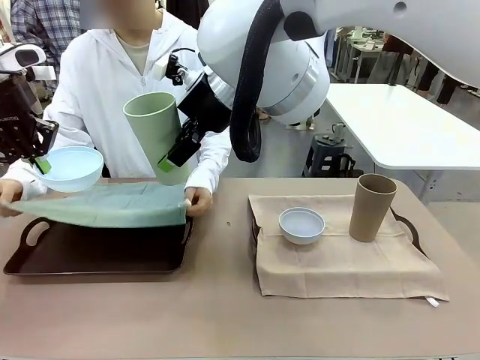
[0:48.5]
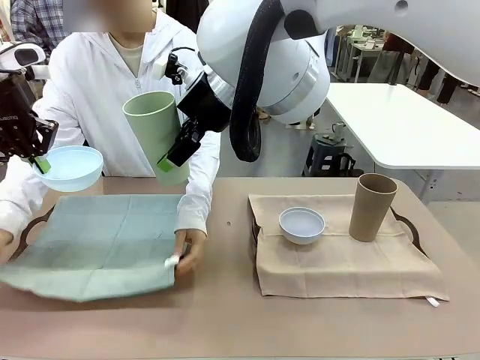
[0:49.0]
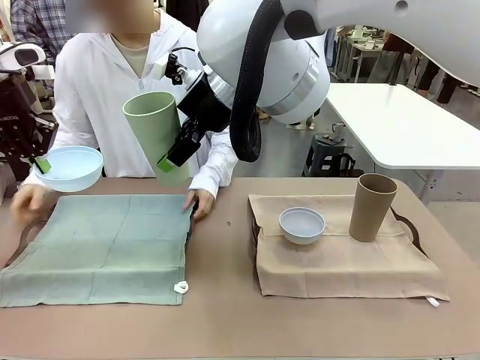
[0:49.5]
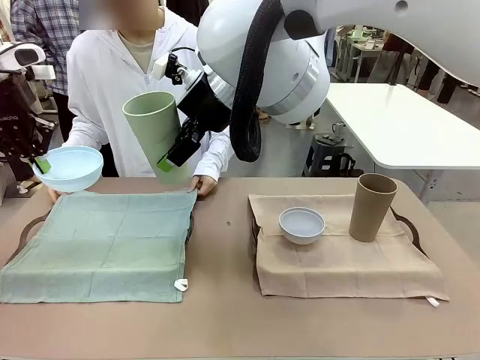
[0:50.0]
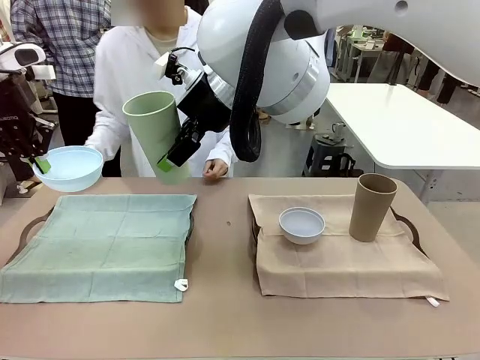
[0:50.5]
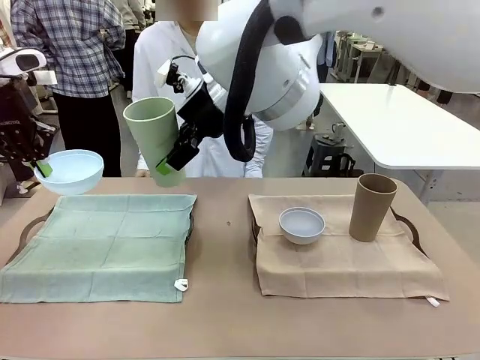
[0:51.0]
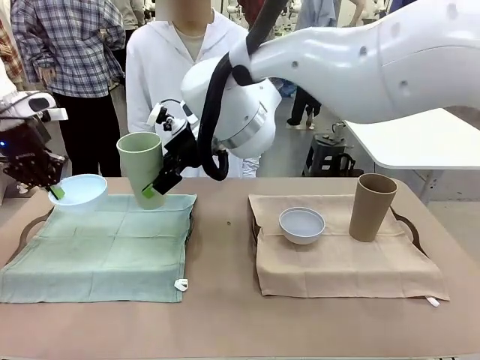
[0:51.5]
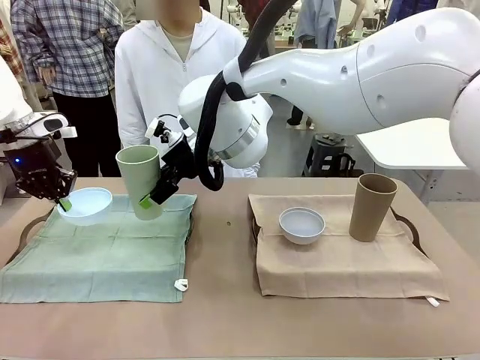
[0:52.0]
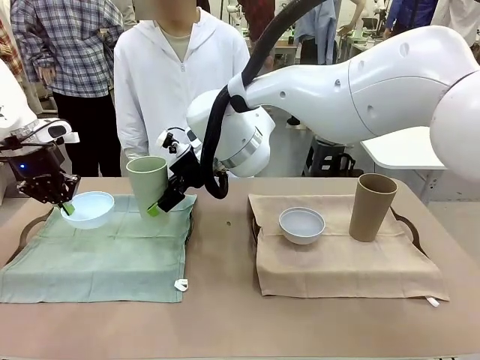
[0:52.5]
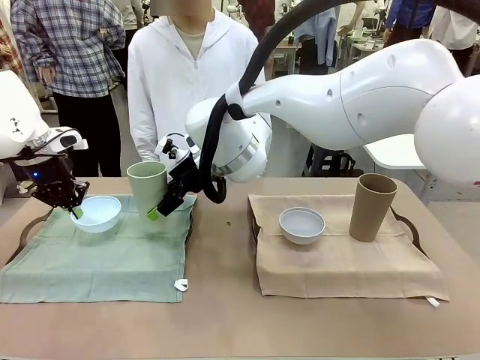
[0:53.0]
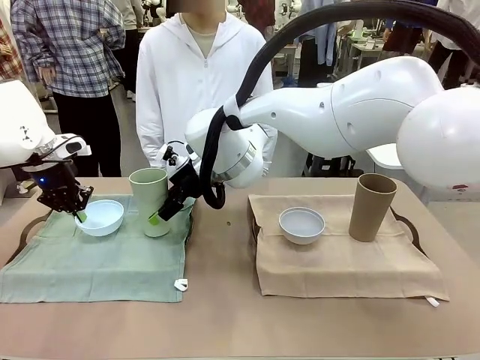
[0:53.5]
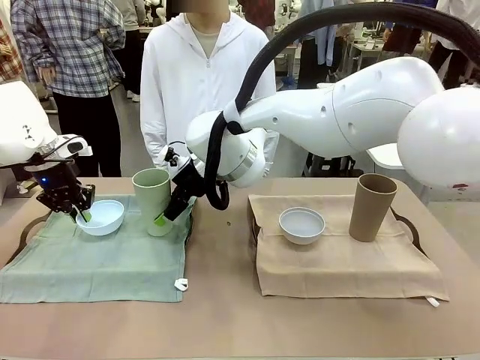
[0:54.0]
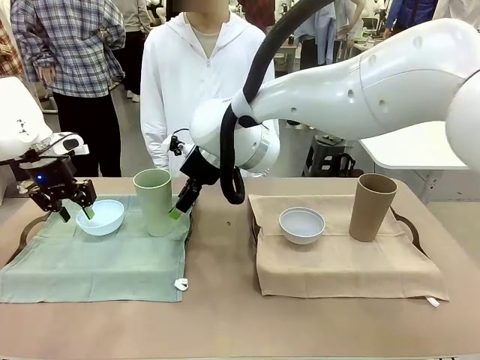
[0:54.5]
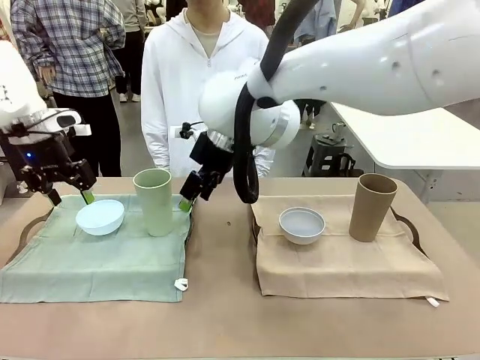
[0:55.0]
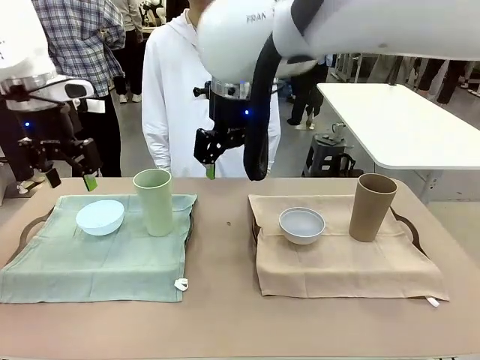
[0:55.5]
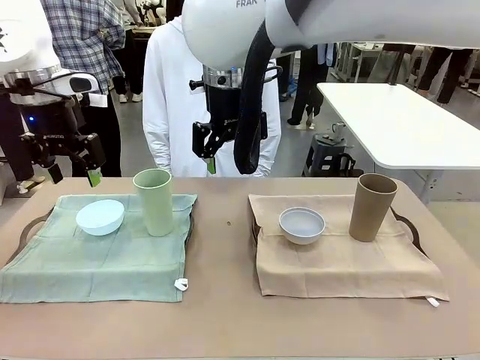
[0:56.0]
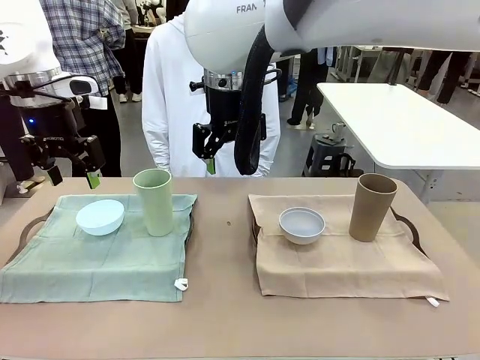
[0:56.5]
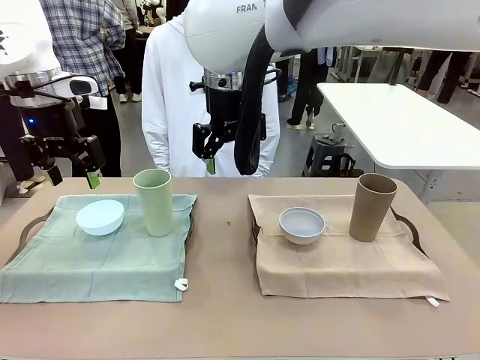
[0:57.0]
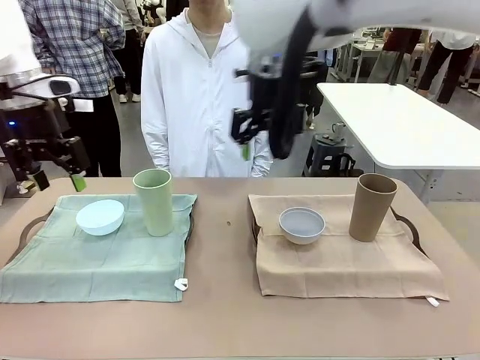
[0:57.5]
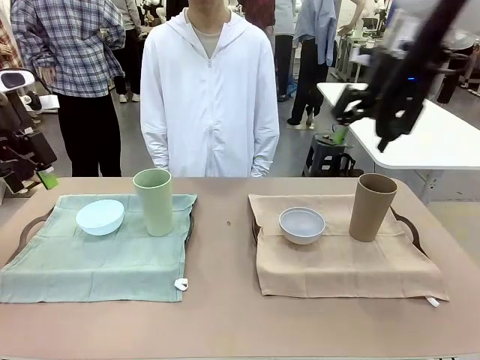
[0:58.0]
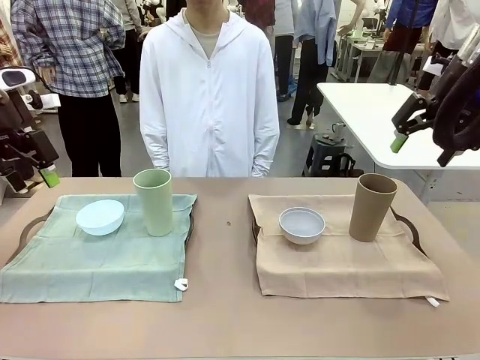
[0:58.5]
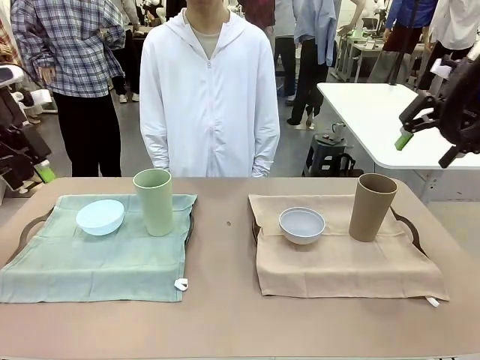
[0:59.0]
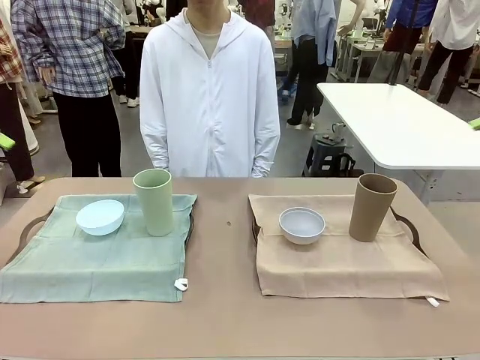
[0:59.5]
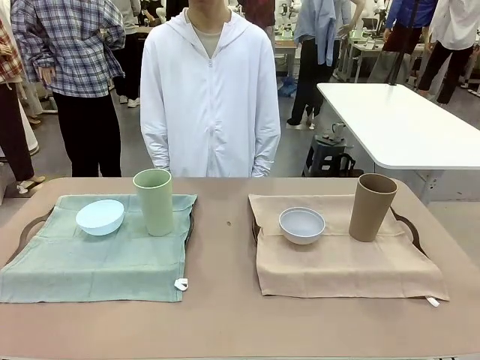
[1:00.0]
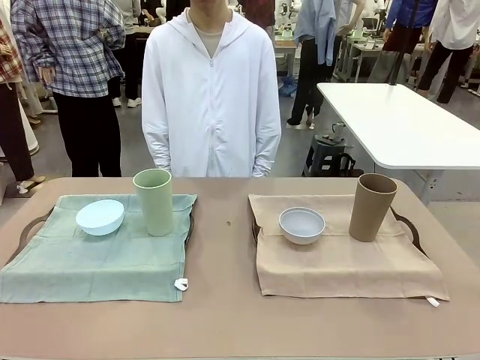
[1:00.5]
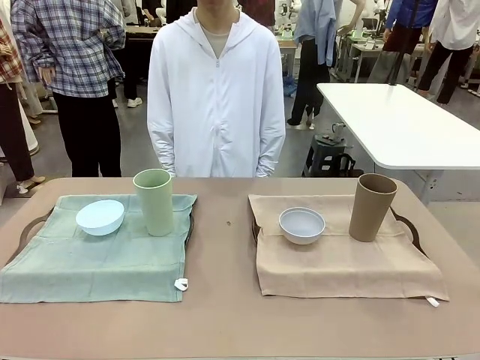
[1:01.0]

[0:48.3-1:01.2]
Robot: Place the Picnic Bowl and Reusable plastic cup back onto the Handle tray in front of the human's position.

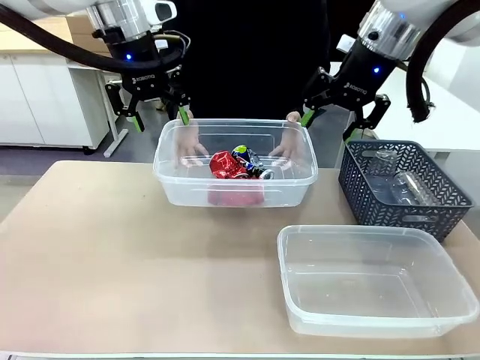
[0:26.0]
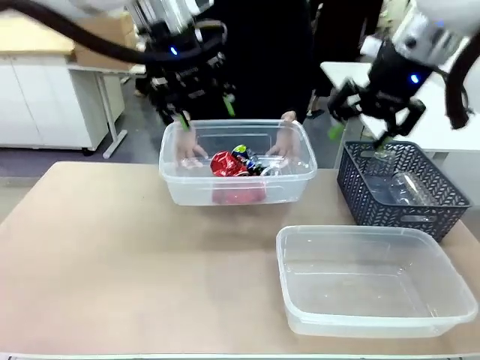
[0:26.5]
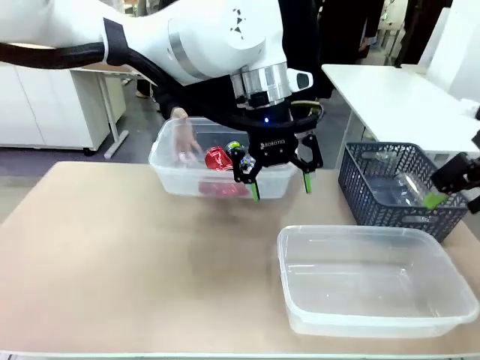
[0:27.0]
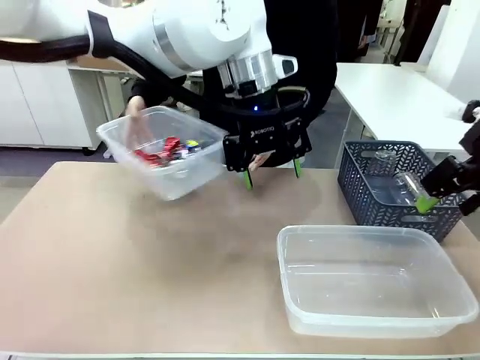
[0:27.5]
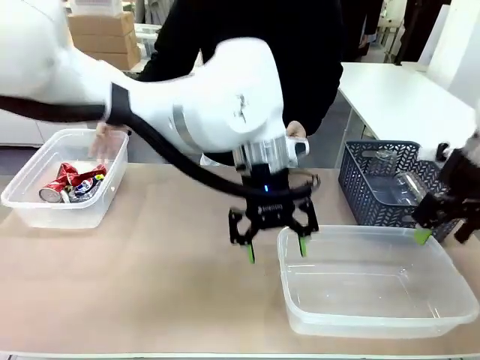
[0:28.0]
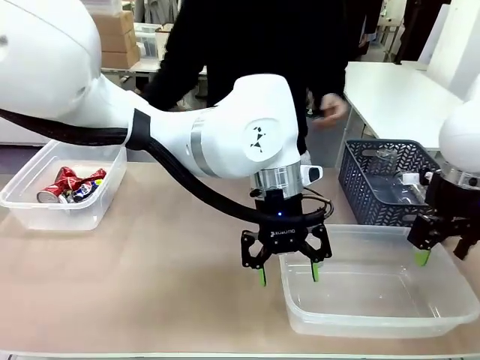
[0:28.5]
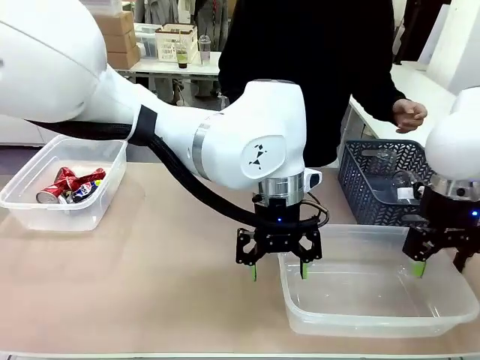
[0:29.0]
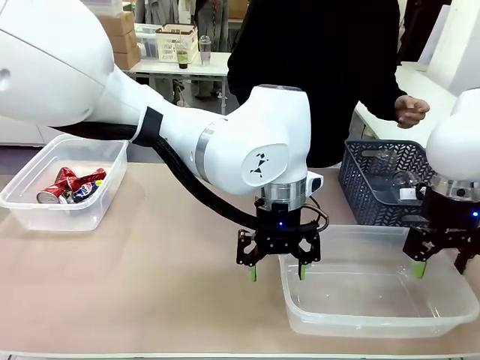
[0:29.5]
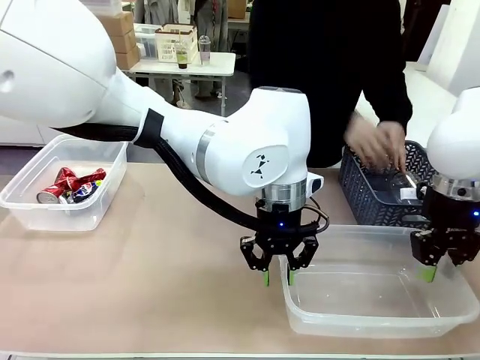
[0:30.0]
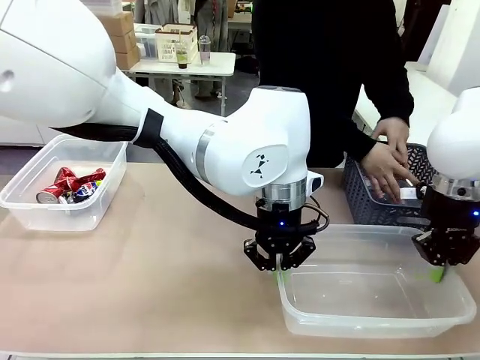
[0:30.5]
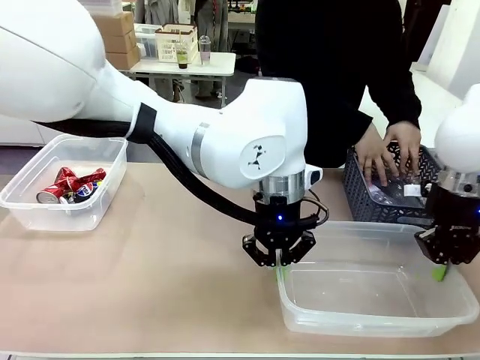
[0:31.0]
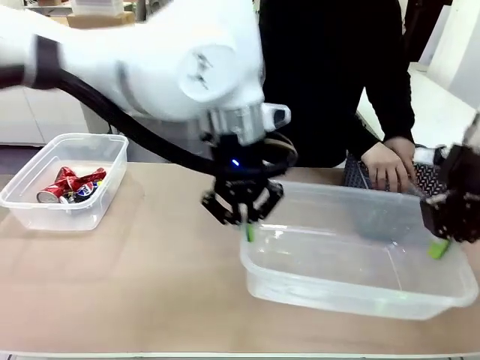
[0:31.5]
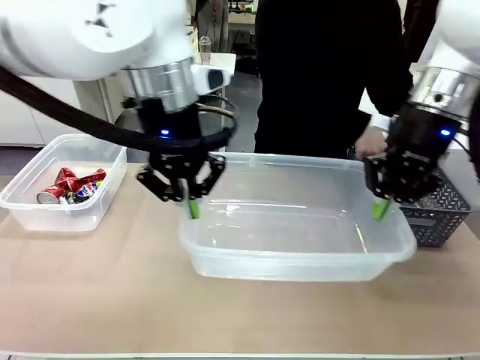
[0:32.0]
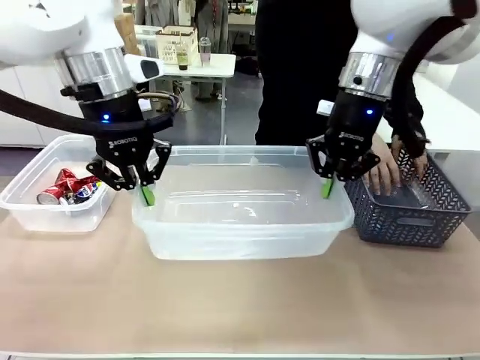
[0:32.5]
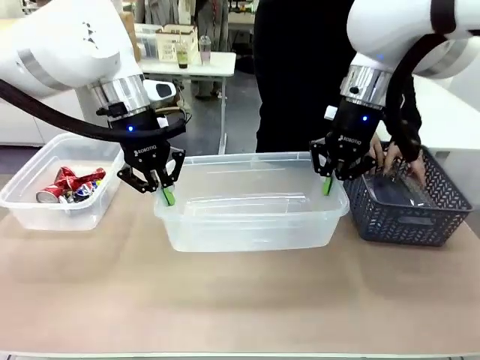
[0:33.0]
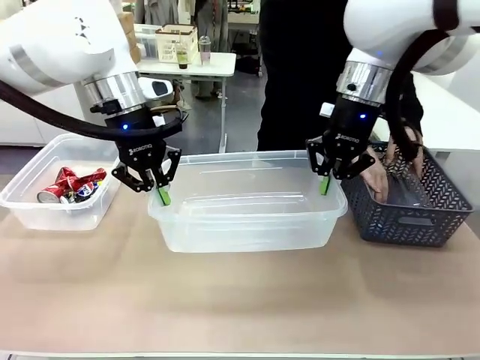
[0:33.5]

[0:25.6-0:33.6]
Robot: Pick up the Organizing box on the right side of the table and lift it.
Person: Place it at the edge of the bottom right area of the robot table.

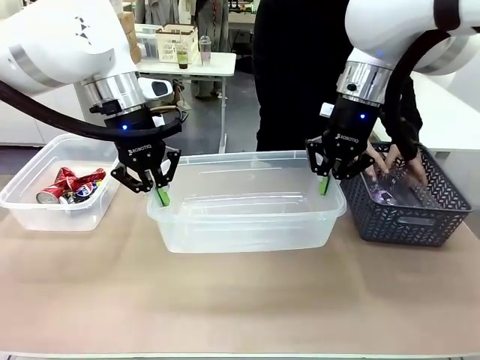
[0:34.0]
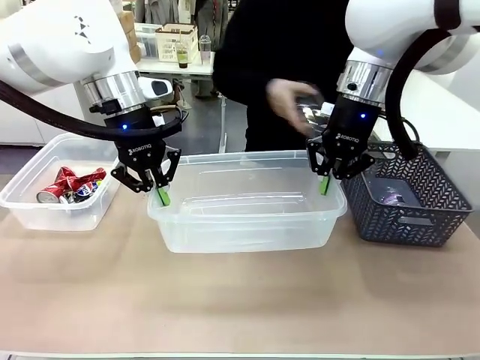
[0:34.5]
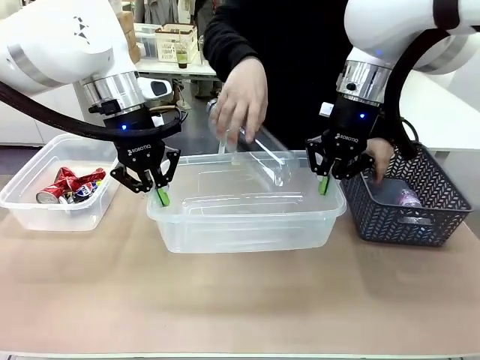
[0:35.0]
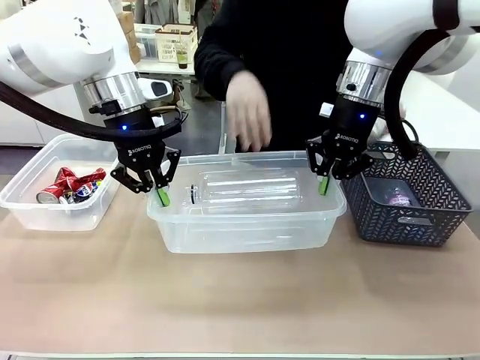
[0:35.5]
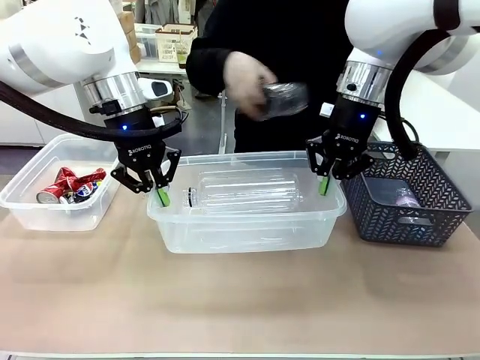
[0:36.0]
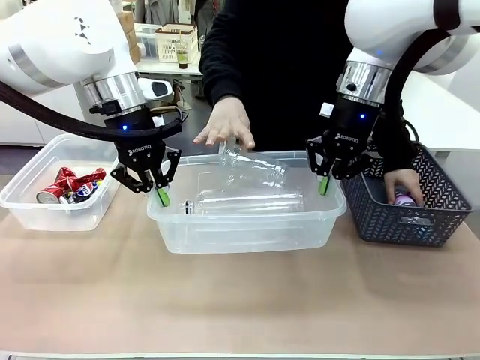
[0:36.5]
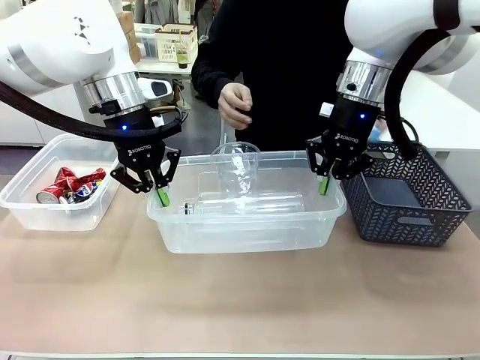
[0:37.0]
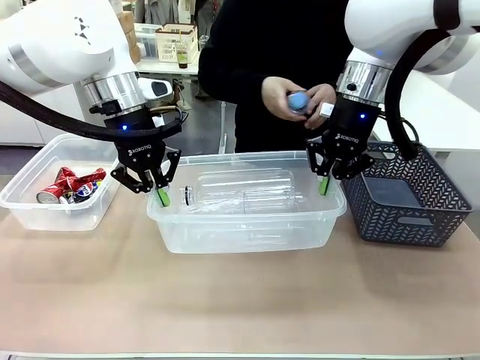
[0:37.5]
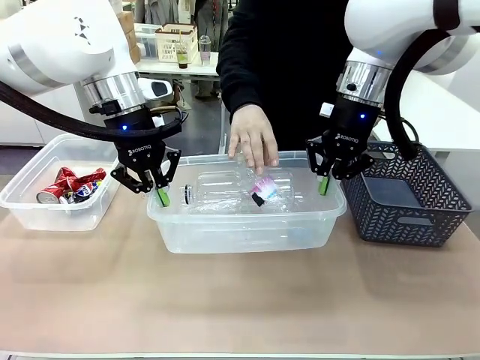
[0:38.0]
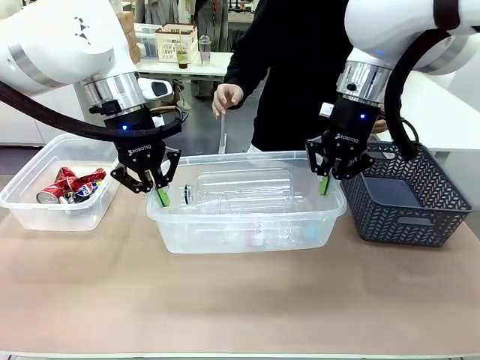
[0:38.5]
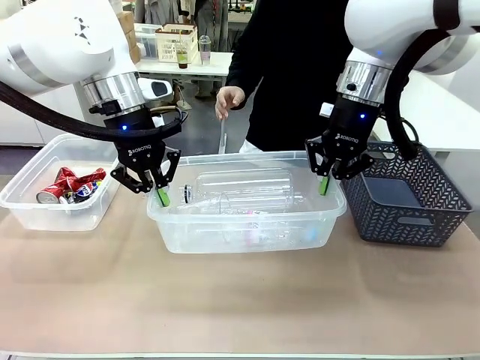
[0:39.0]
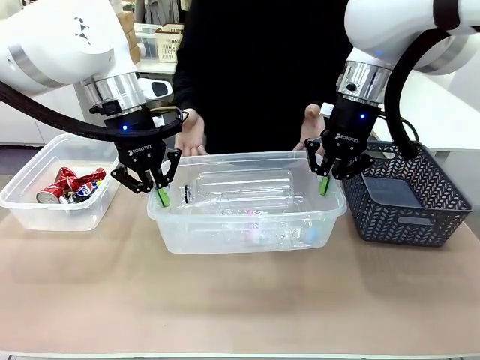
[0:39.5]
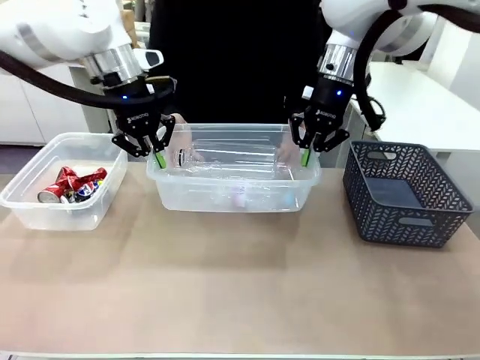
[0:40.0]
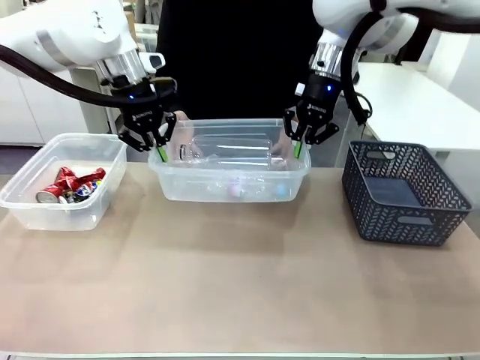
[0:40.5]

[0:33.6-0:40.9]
Robot: Offer the picked Organizing box to the human.
Person: Pick up plastic waste one by one and place it into the organizing box lifted by the robot.
